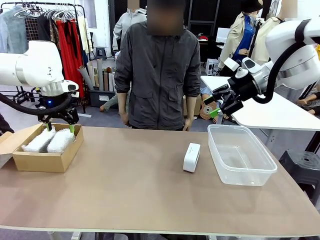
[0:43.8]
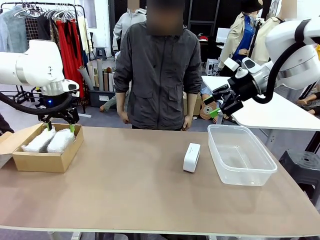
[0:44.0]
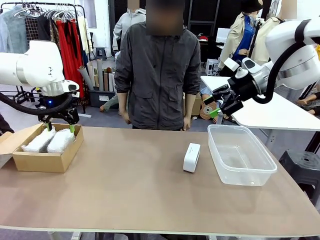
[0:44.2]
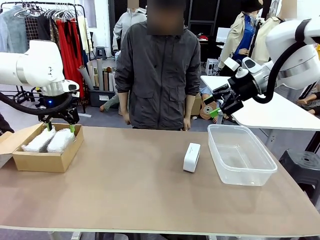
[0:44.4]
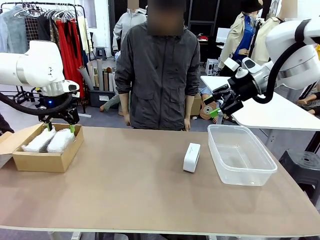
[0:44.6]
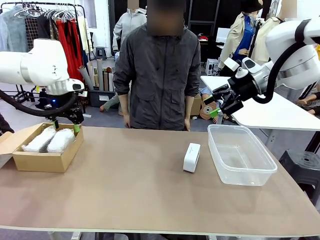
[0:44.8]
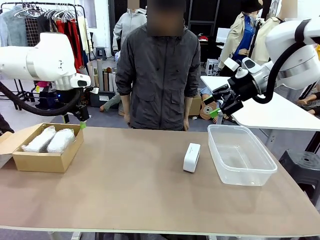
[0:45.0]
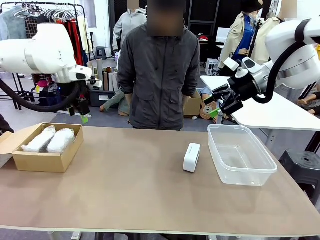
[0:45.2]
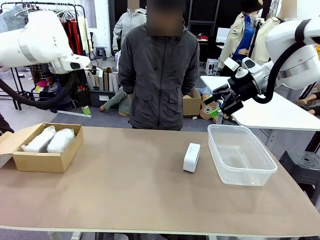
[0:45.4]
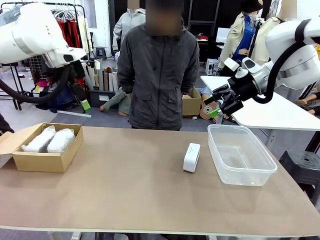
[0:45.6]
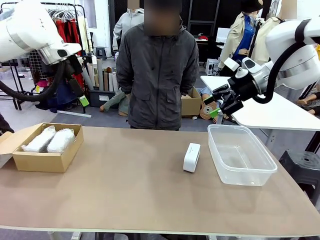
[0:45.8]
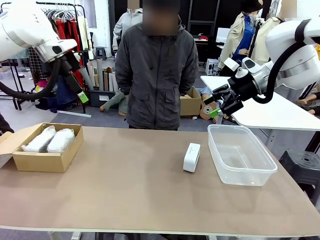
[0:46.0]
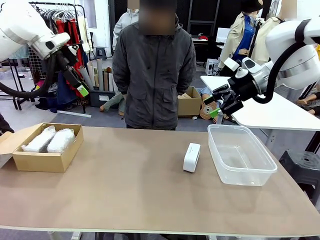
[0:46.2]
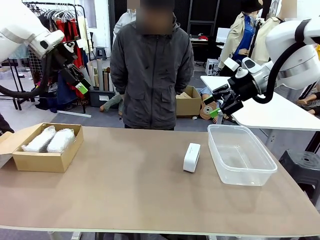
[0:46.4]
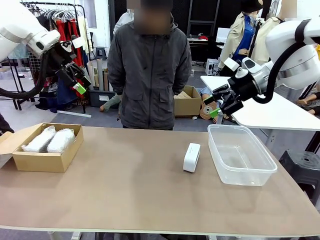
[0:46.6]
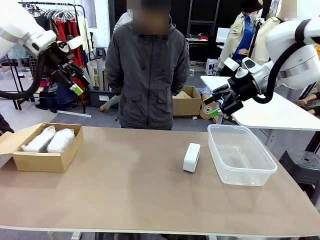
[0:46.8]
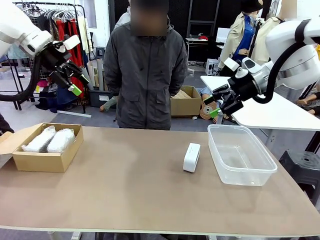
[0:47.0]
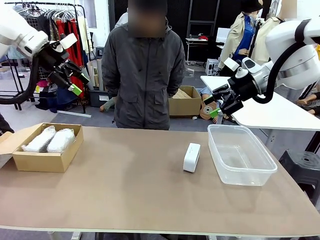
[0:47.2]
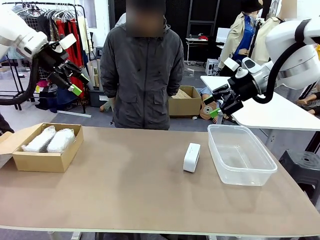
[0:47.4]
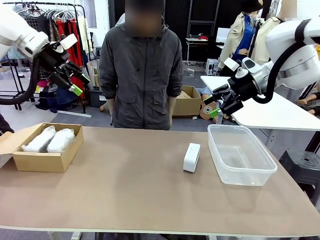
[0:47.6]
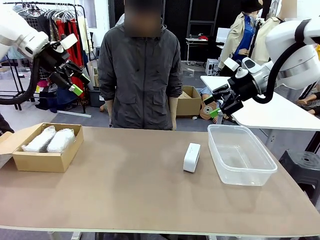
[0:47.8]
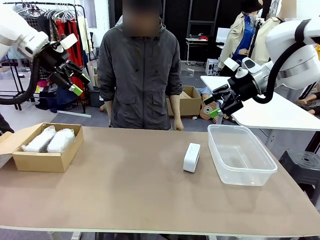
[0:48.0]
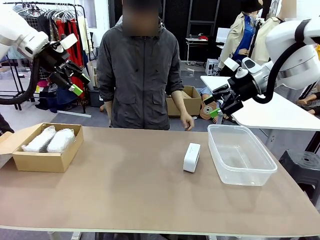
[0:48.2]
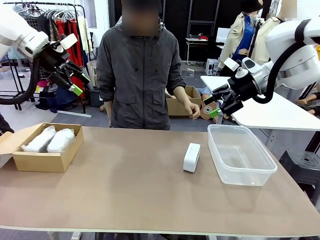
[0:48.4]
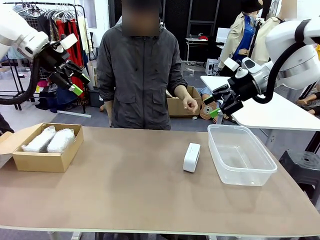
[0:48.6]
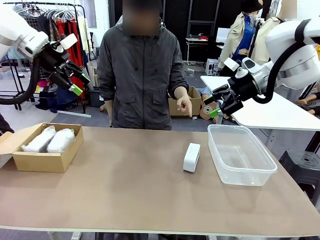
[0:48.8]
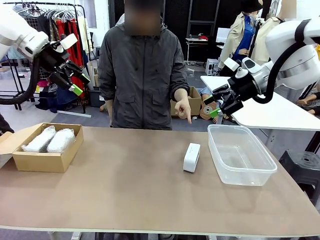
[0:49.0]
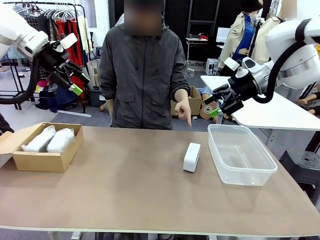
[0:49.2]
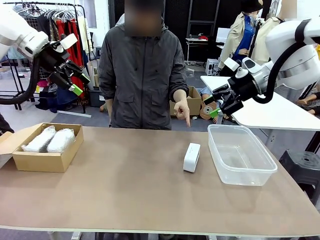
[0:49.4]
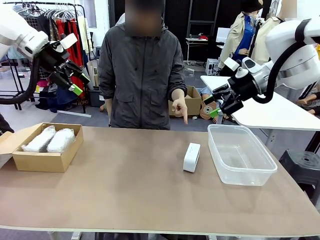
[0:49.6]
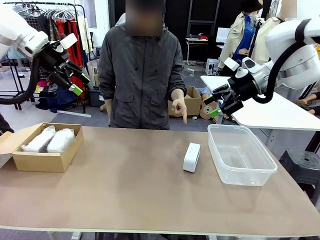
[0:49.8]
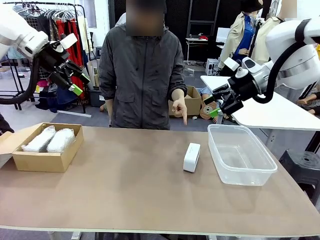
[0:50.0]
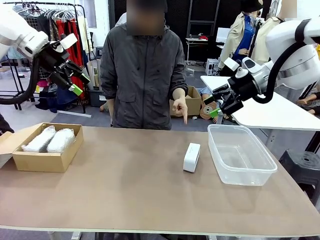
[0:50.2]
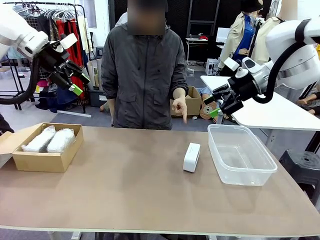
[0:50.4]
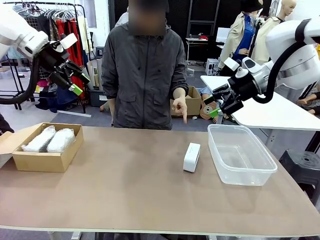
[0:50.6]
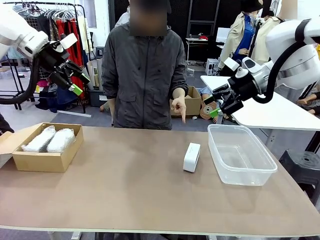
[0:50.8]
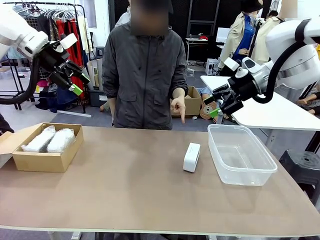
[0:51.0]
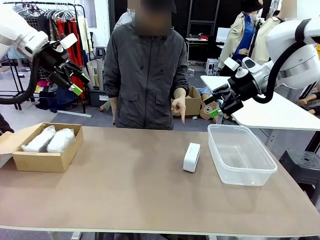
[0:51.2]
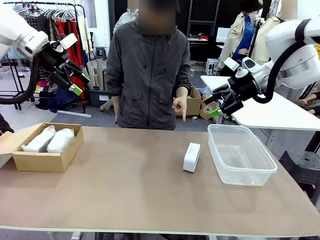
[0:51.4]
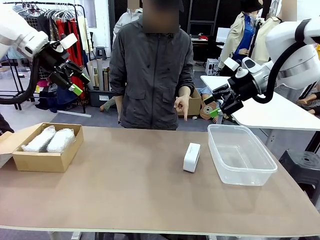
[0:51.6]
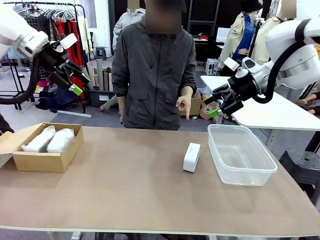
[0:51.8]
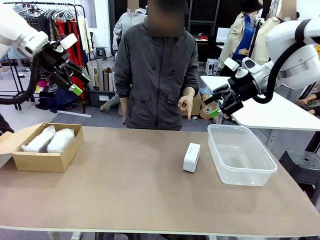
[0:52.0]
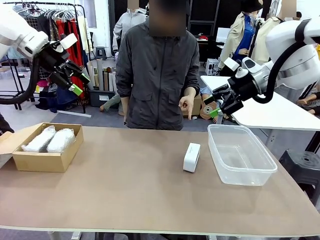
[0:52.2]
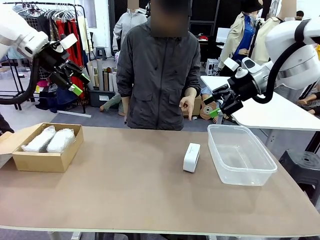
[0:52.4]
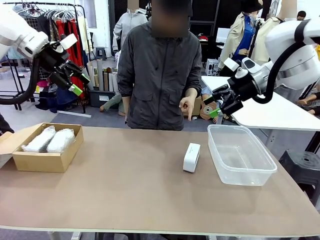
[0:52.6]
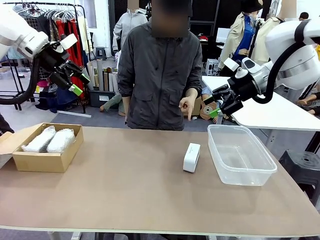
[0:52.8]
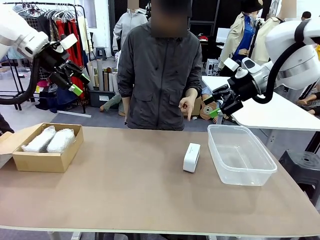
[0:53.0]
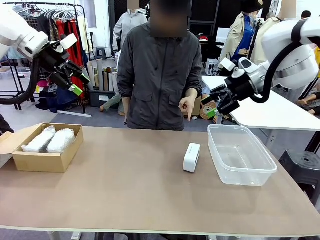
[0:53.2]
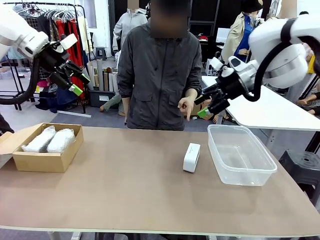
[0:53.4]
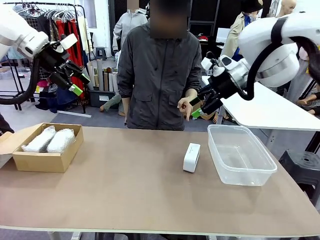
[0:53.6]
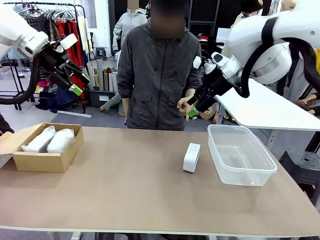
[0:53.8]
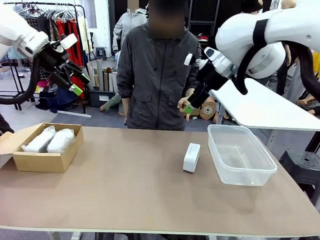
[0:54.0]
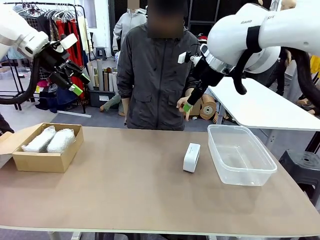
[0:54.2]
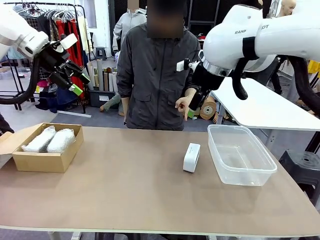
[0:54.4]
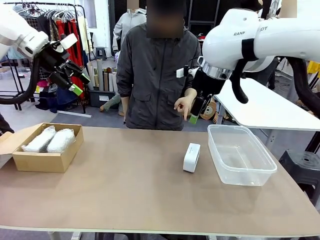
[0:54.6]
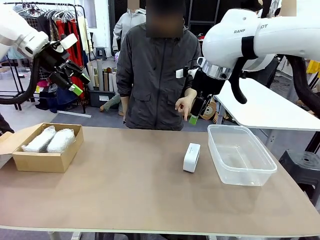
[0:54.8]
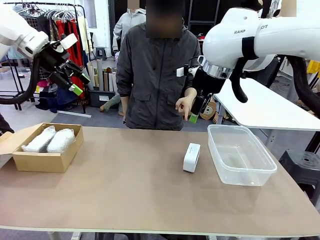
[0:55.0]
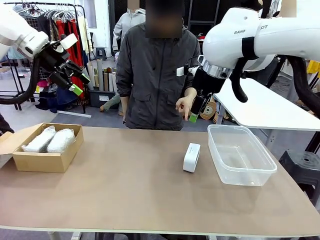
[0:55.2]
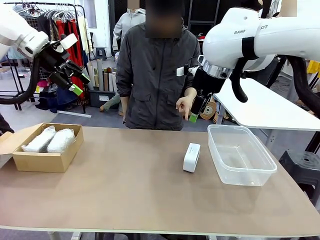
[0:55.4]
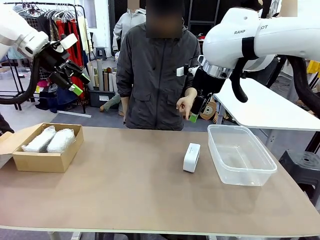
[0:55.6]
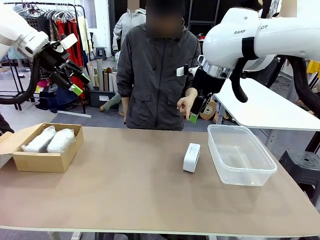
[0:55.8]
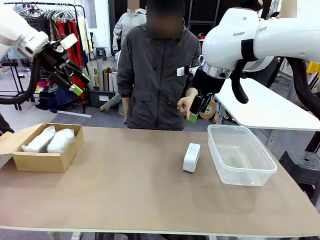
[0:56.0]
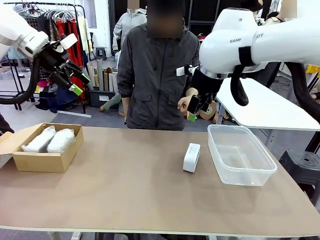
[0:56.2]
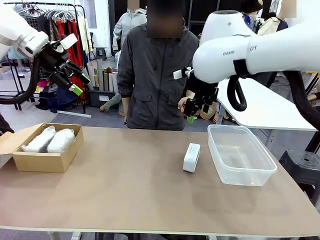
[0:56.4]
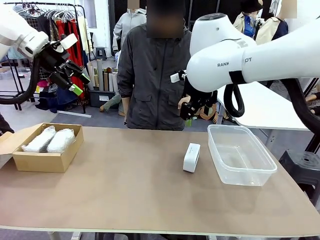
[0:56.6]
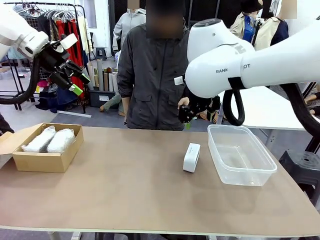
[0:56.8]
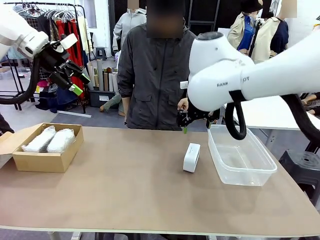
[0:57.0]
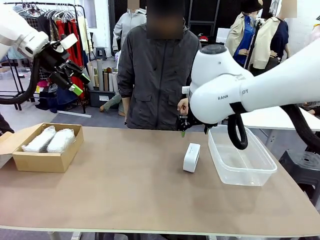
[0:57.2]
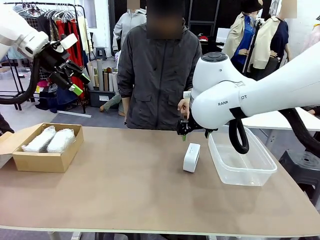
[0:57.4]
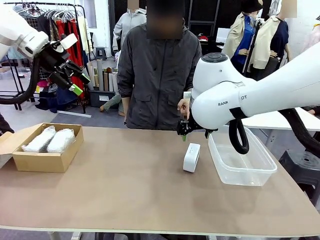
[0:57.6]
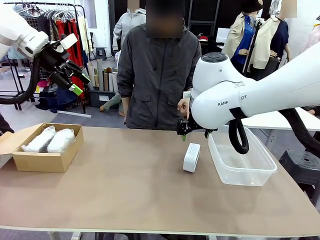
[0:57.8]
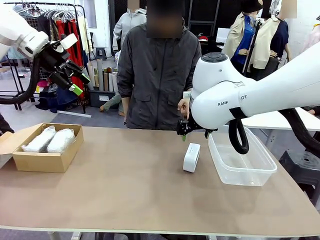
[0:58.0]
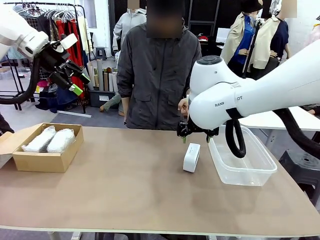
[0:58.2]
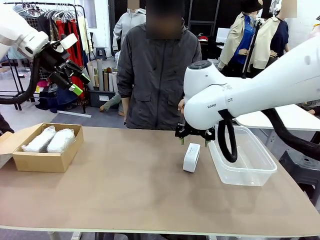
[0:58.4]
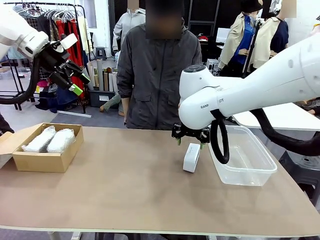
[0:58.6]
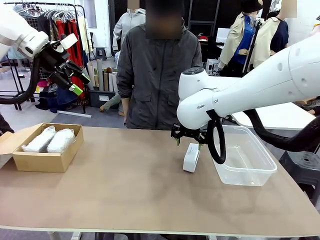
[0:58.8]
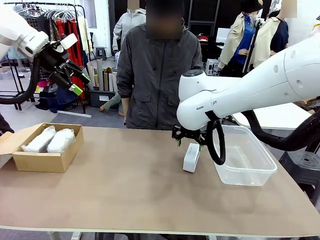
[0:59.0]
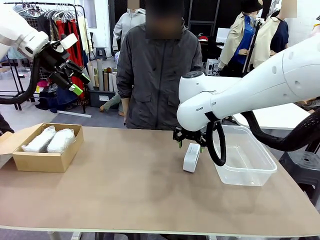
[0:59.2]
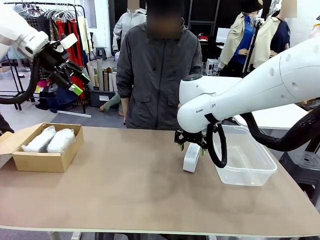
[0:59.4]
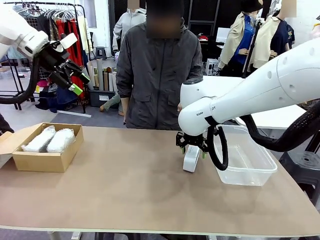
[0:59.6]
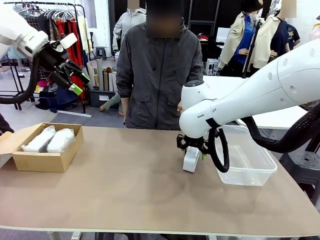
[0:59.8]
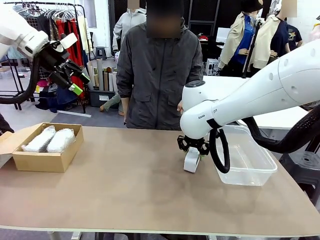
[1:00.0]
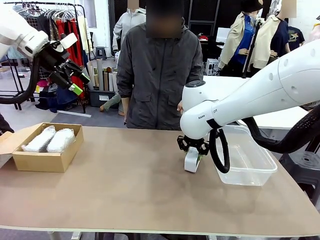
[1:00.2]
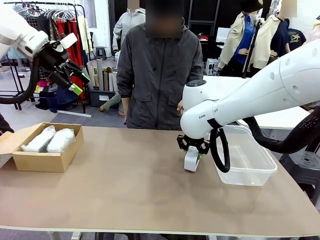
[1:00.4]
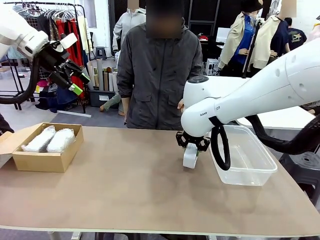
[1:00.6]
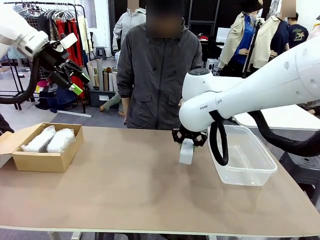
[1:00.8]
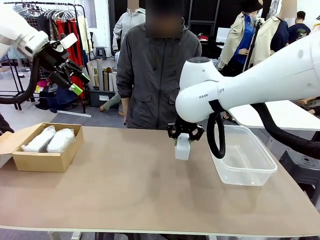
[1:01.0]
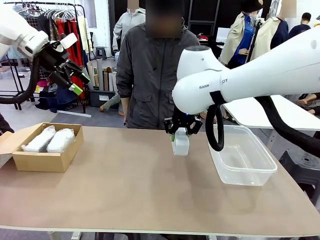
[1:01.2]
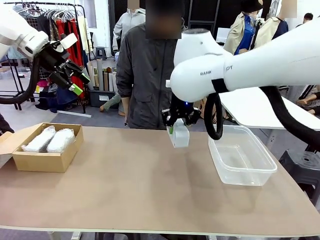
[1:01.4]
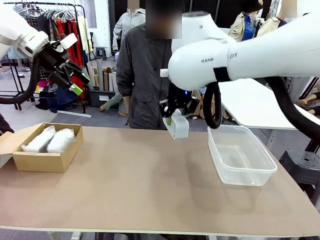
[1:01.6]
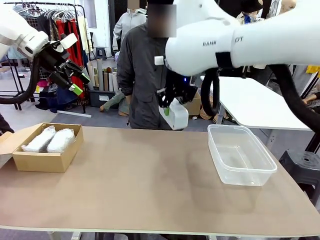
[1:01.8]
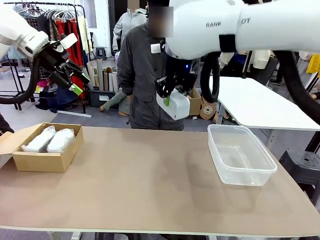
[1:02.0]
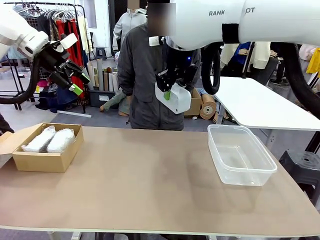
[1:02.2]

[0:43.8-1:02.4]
Task: Separate and place wrapped and unwrapped clocks.
Robot: Pick up the Digital clock indicated by the person.
